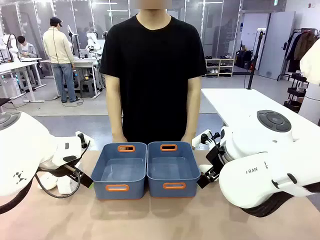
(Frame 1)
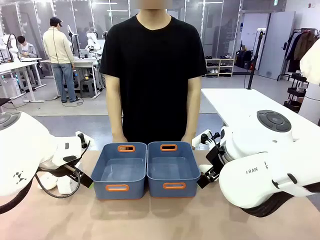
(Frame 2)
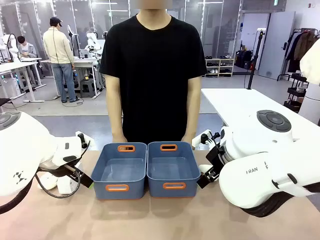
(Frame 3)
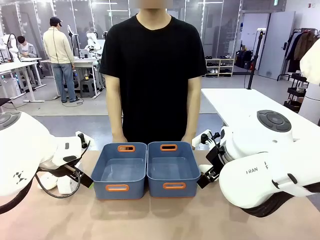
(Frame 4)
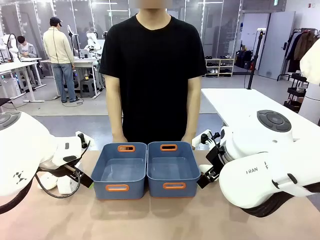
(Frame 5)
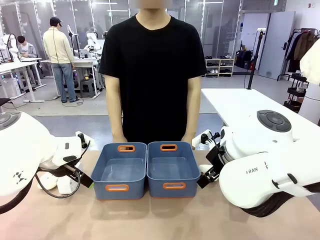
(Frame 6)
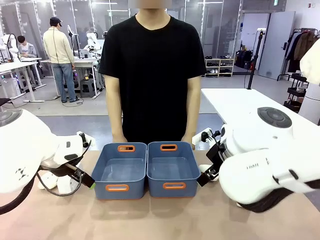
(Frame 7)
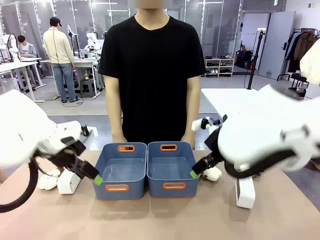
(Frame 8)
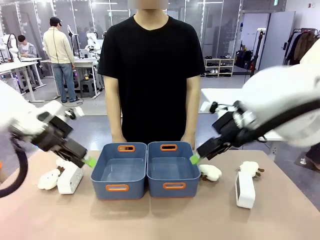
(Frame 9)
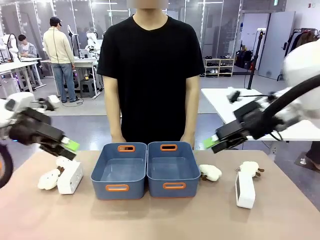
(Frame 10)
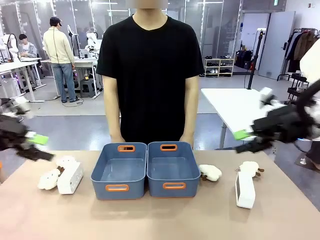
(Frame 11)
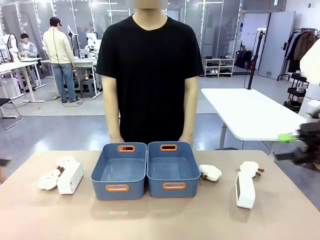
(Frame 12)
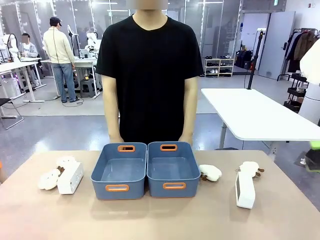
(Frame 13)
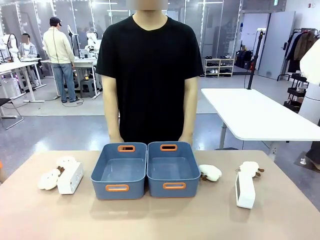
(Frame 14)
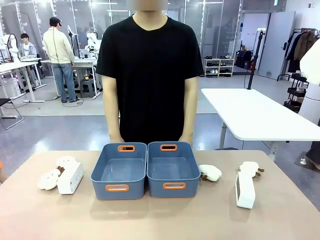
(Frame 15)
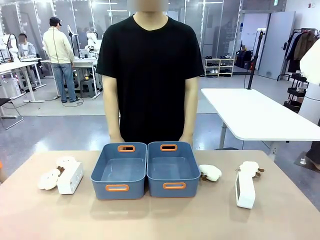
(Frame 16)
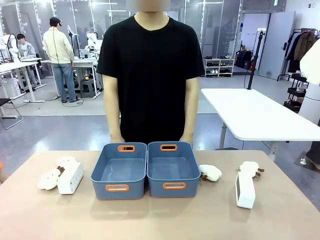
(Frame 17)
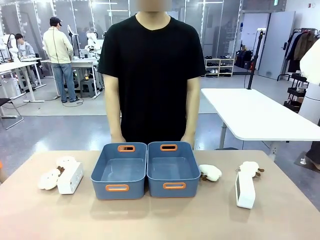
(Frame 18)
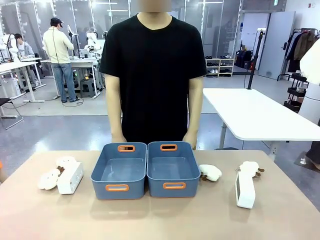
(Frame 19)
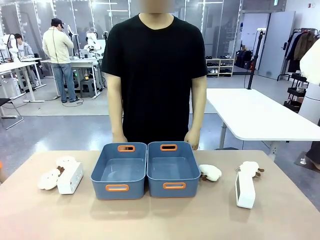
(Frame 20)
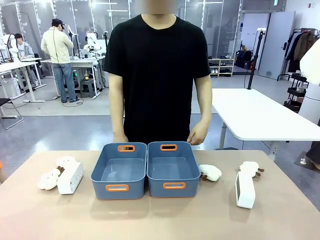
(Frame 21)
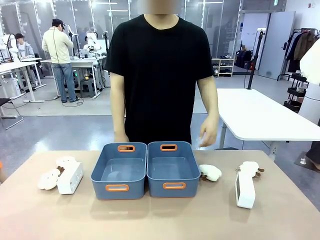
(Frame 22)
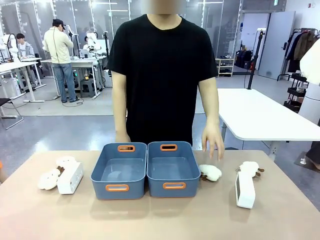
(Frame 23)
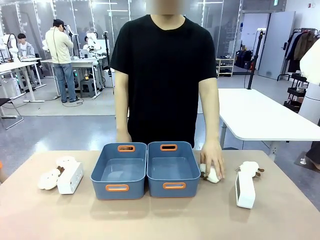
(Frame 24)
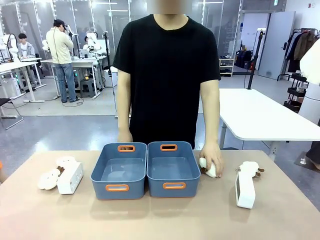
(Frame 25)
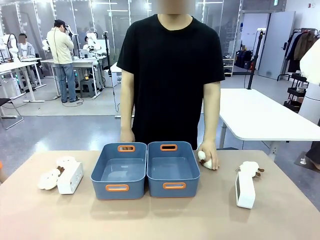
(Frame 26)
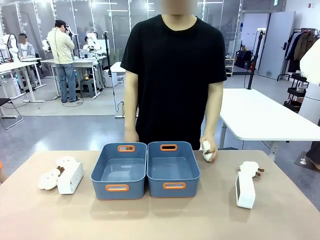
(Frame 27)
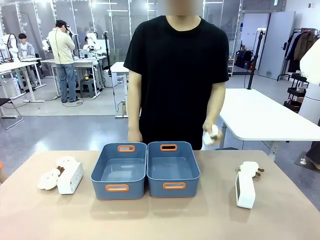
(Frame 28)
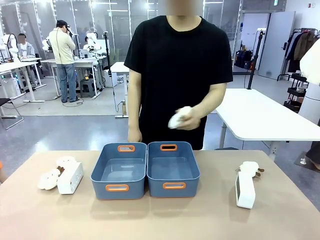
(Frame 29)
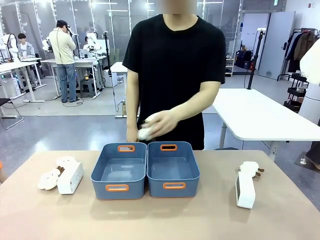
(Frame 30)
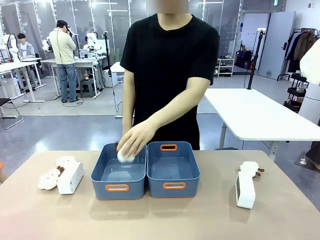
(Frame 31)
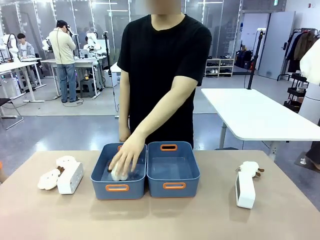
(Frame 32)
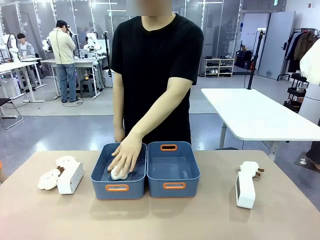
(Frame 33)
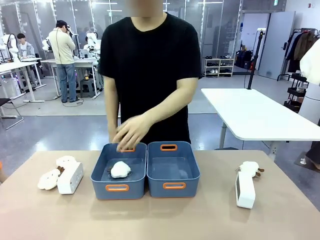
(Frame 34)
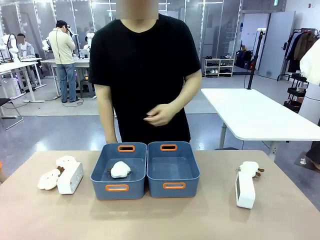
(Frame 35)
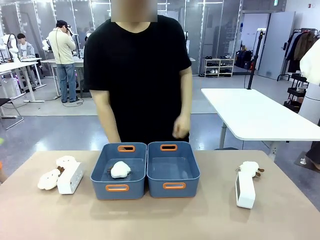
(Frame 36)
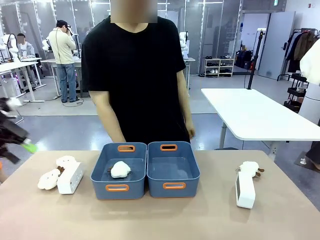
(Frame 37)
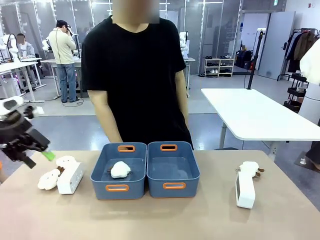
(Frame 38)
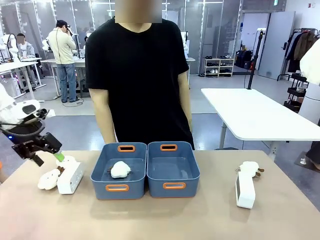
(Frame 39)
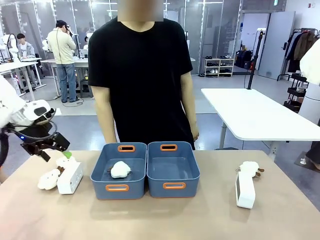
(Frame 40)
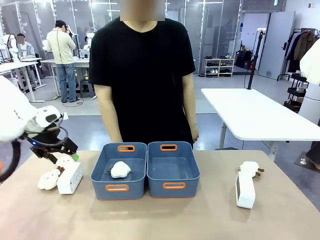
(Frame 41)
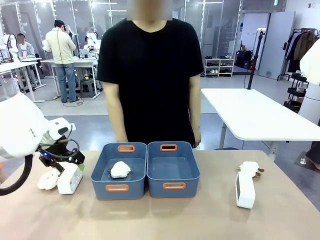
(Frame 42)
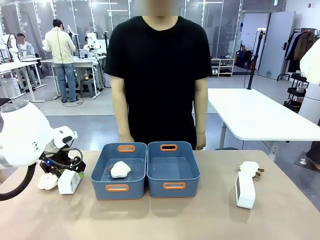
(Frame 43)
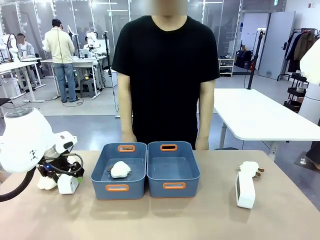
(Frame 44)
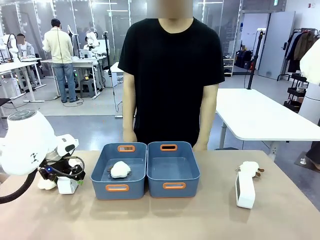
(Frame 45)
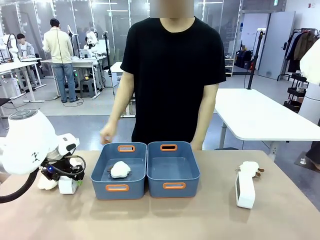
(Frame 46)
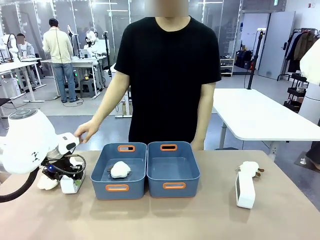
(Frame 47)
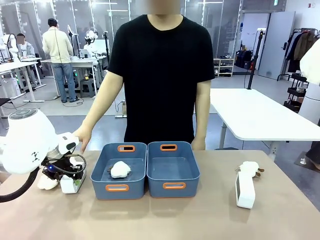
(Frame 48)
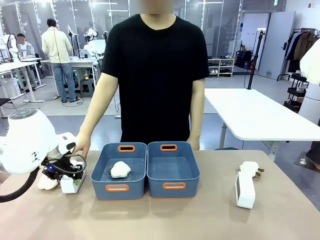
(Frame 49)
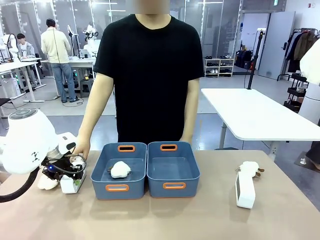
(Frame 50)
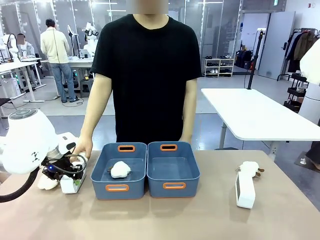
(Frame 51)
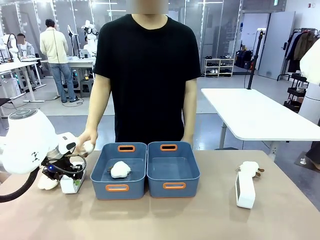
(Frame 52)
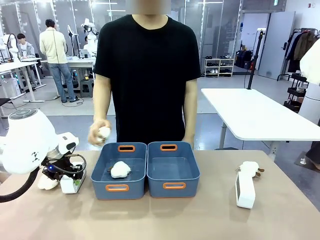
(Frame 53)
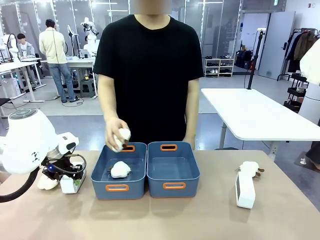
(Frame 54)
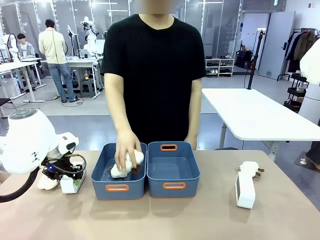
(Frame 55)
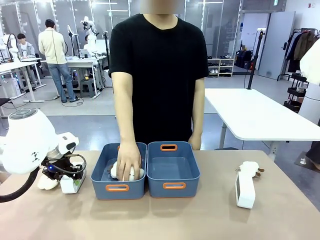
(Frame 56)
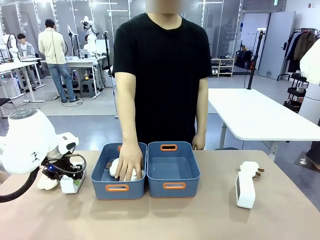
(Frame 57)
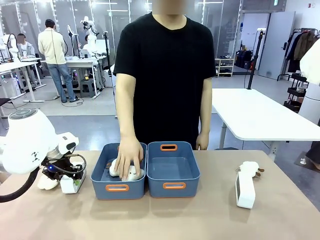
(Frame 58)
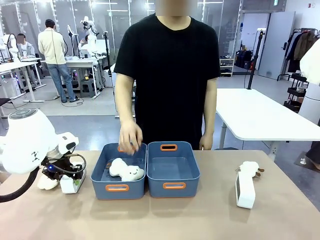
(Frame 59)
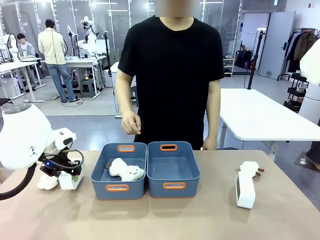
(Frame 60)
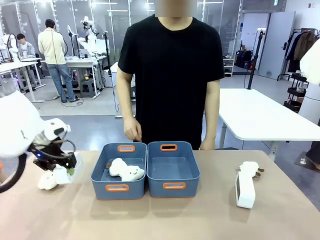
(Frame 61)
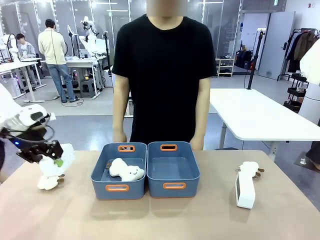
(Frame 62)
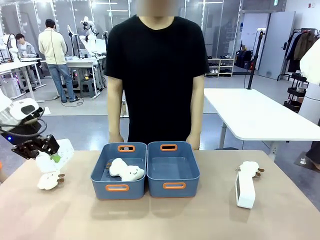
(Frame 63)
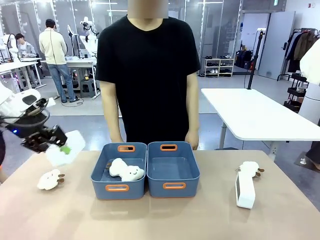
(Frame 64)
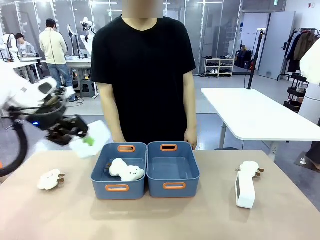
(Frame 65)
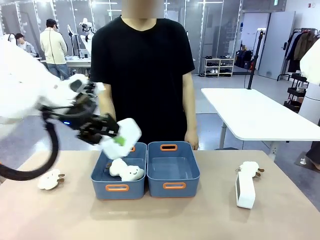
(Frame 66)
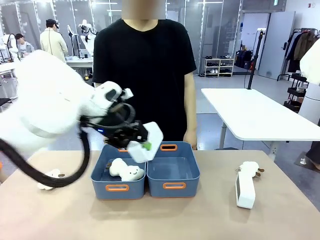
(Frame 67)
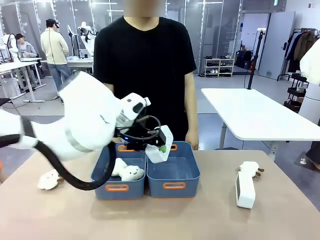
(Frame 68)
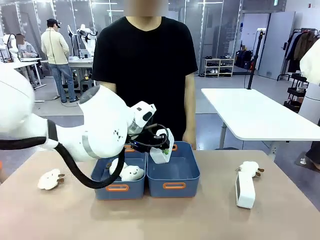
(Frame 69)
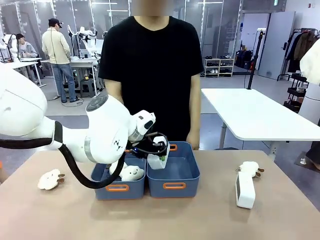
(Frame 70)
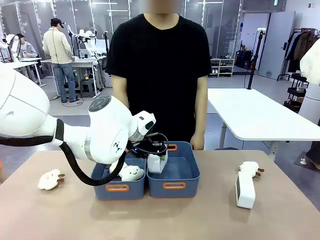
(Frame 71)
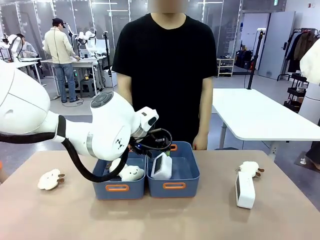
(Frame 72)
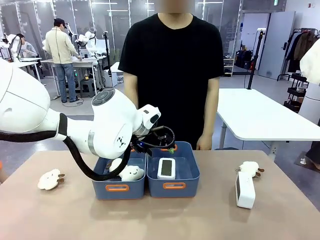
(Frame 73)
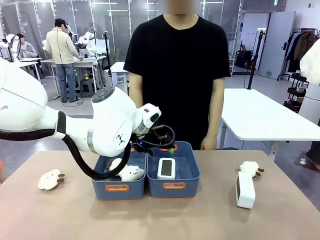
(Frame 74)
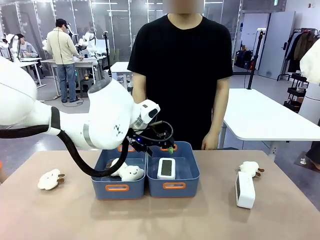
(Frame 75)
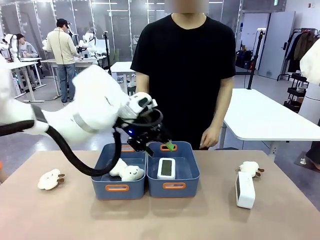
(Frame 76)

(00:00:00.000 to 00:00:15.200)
Task: Sort the digital clocks into the basket.
Robot: Pick up the Digital clock from the table and place it into the empty Plastic storage basket.
Person: Pick up a plush toy from the table and place it in a plastic storage basket.

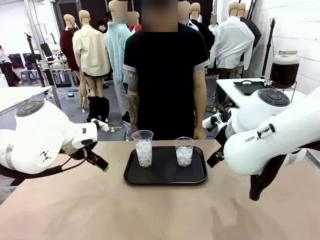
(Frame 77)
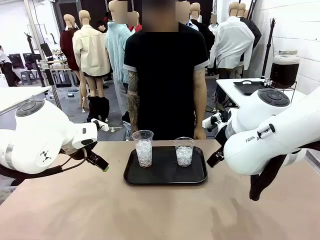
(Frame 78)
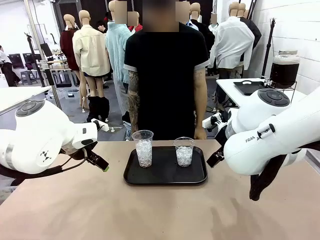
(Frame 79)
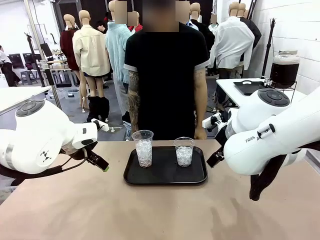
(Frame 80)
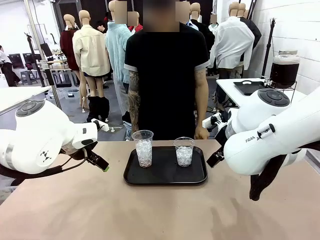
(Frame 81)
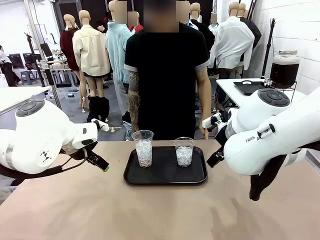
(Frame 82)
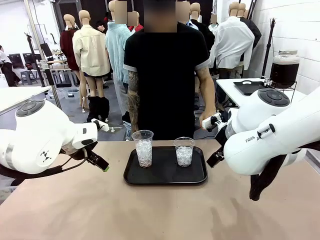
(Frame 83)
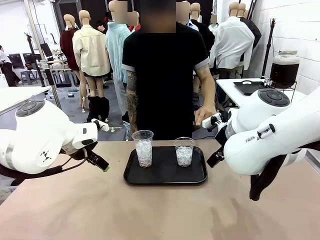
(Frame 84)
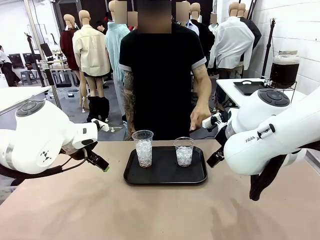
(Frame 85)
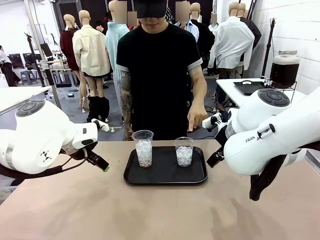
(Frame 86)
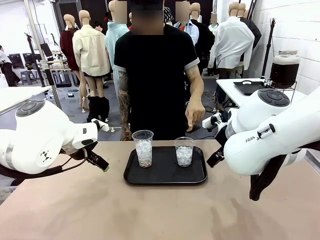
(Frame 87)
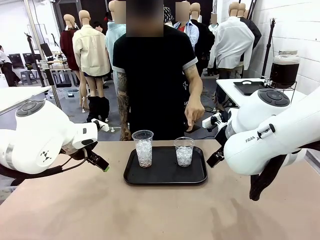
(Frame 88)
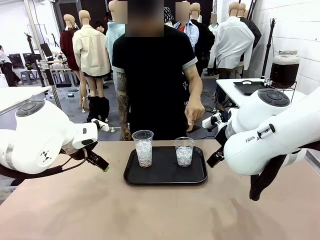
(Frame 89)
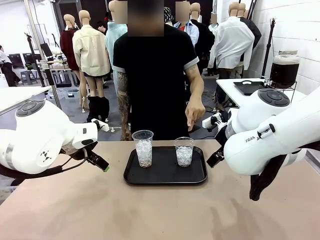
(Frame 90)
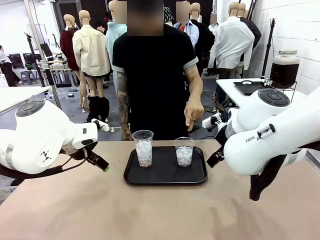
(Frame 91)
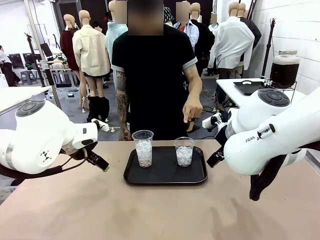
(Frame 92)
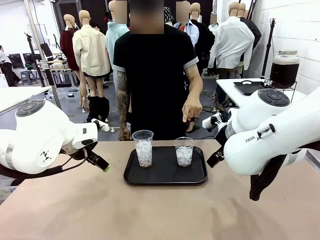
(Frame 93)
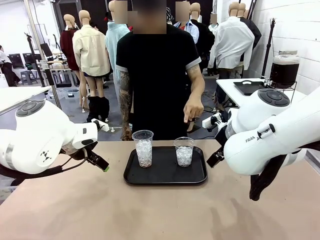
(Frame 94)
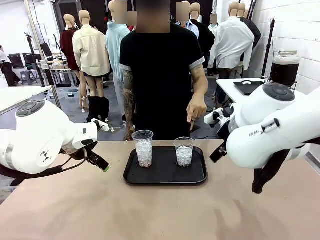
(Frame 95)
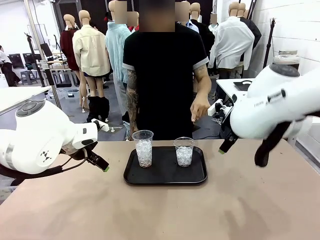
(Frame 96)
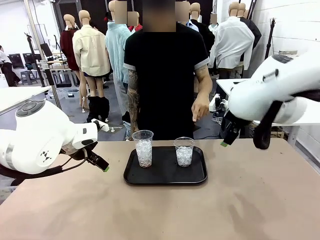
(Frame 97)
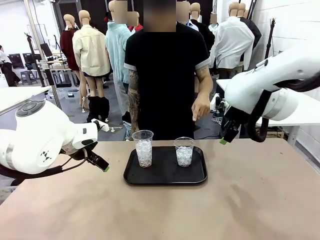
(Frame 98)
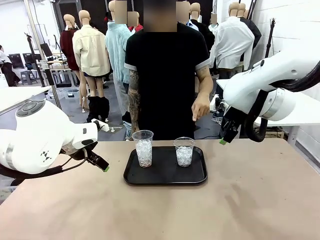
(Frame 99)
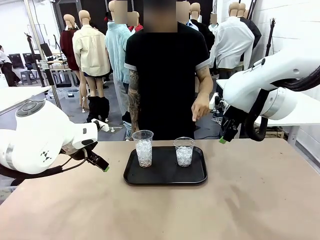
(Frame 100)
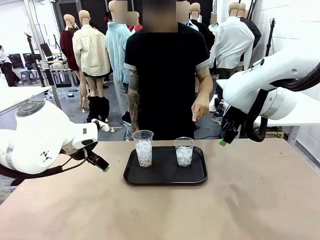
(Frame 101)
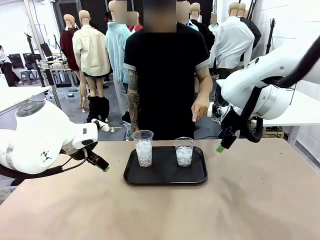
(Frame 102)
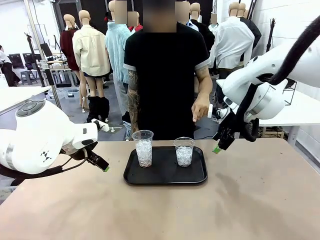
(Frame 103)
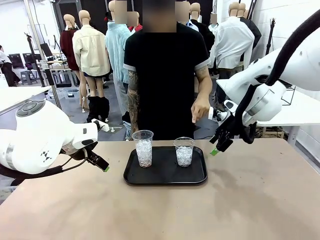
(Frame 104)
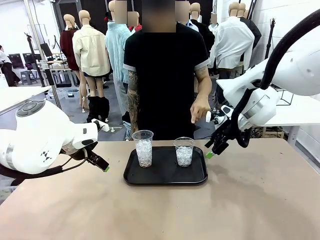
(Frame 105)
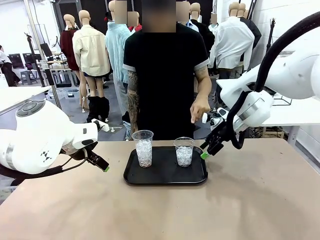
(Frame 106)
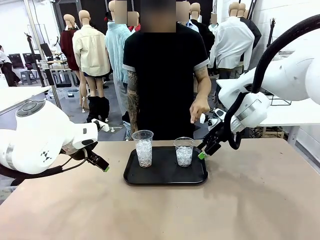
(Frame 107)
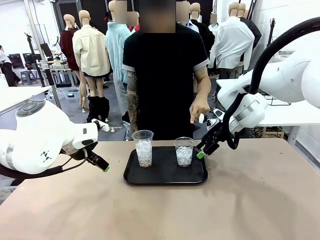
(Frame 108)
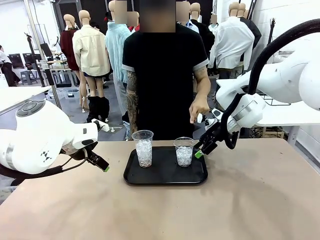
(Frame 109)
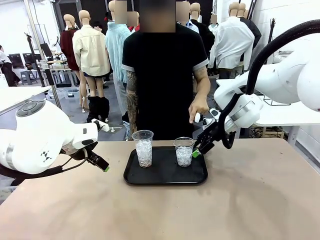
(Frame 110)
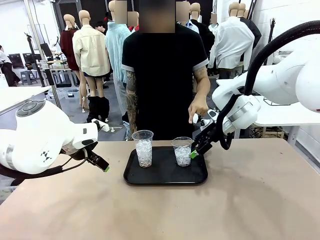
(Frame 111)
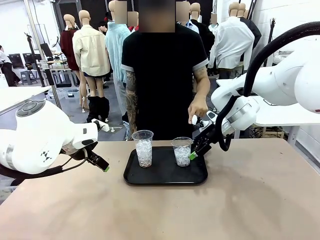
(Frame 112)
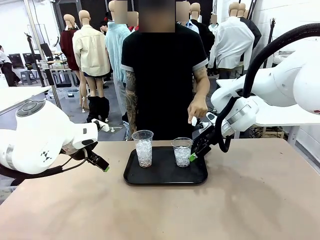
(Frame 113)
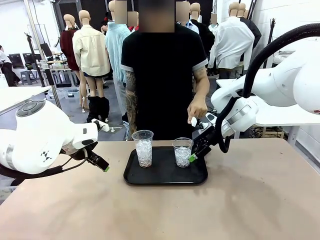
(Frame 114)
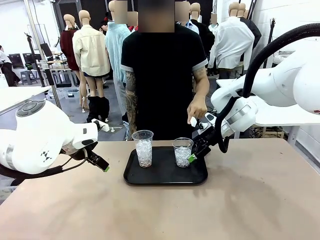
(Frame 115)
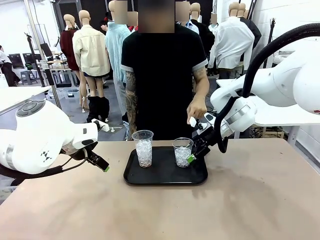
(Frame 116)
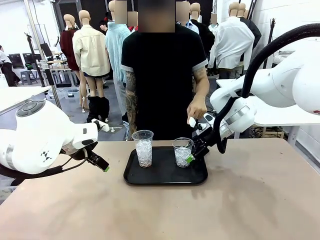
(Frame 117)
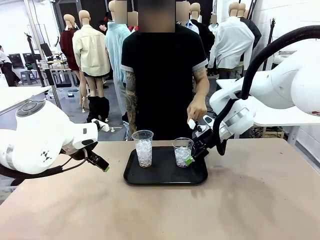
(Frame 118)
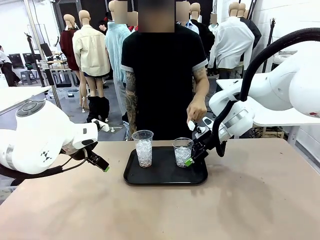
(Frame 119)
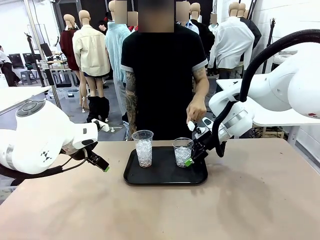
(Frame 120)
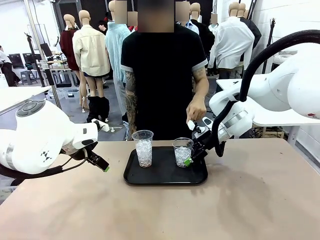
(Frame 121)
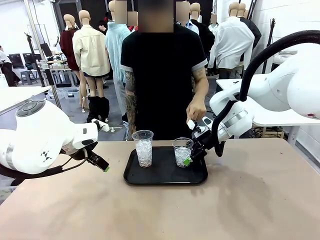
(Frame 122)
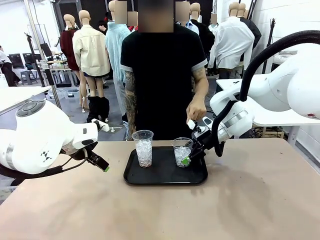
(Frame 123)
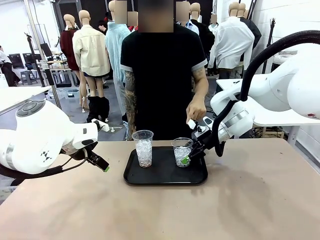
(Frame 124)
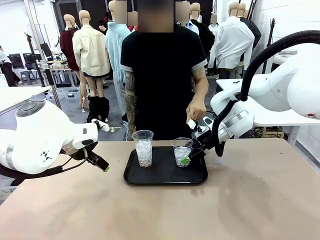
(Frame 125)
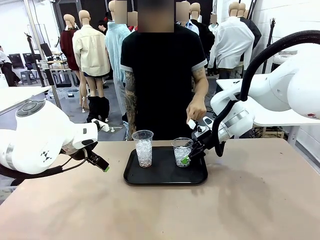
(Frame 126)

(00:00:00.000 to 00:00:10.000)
Task: Pour the drink into the iced cup.
Robot: Pick up the iced cup indicated by the human and present it to them.
Person: Point to one of the two ice cups. Pick up the cup offered by the robot.
